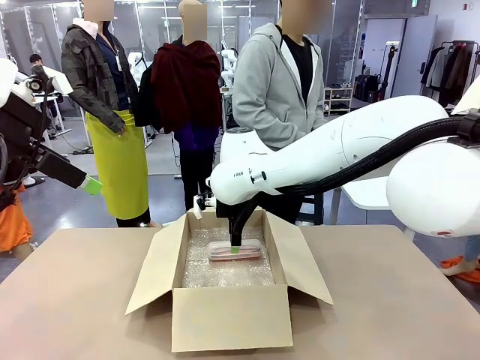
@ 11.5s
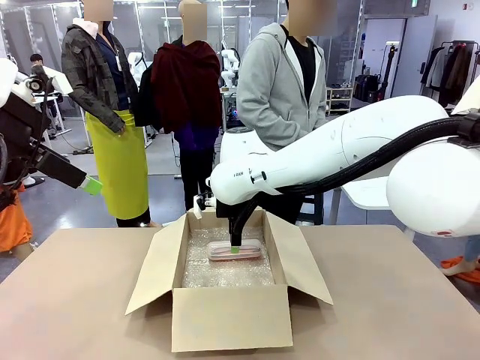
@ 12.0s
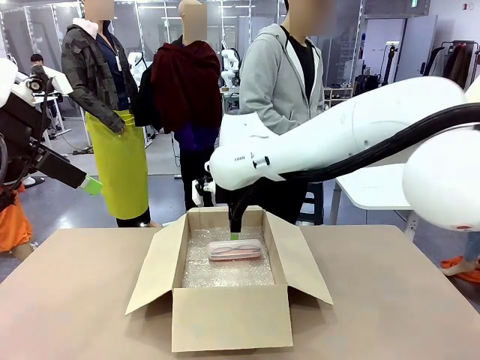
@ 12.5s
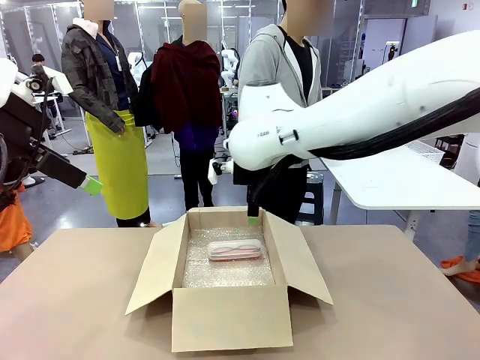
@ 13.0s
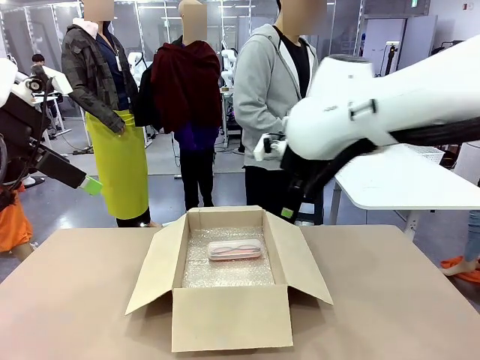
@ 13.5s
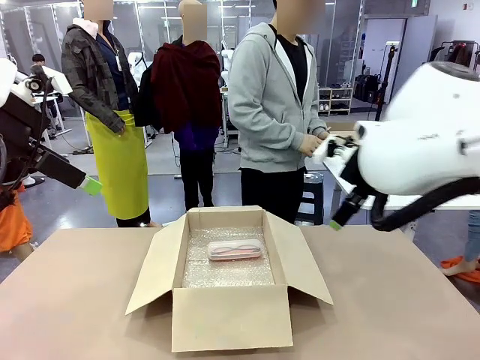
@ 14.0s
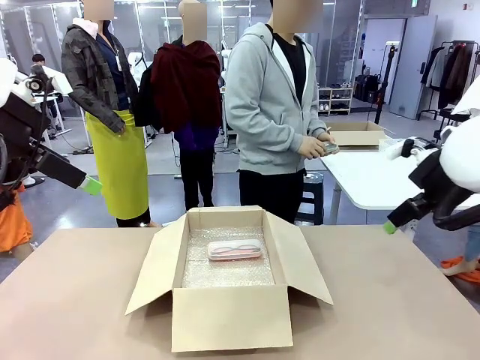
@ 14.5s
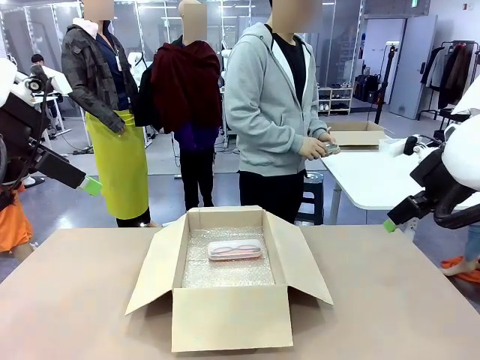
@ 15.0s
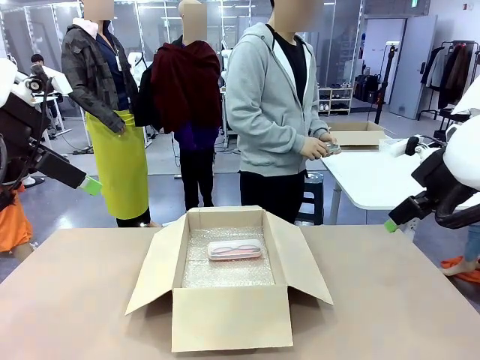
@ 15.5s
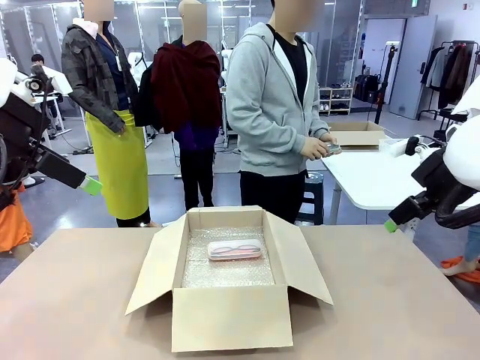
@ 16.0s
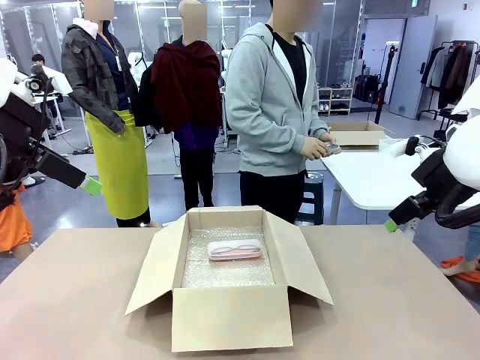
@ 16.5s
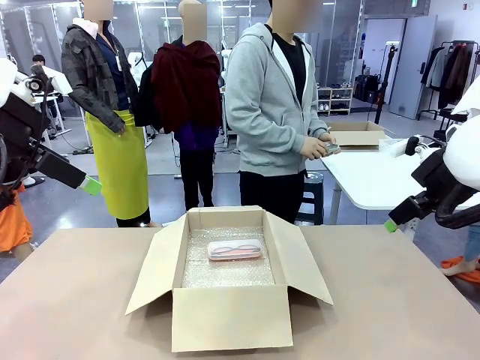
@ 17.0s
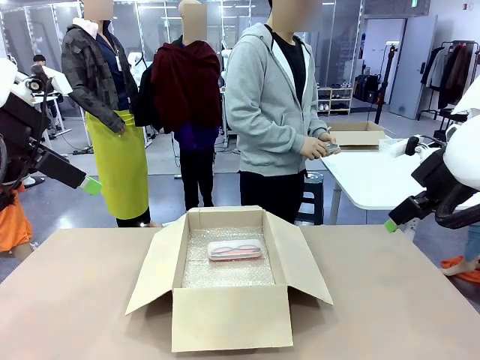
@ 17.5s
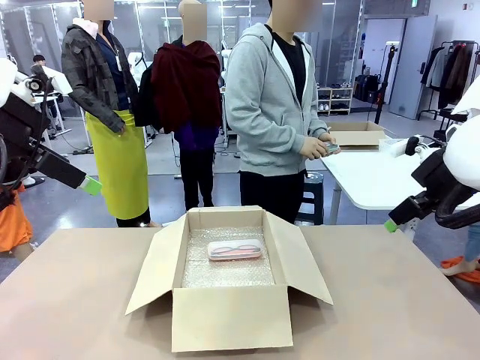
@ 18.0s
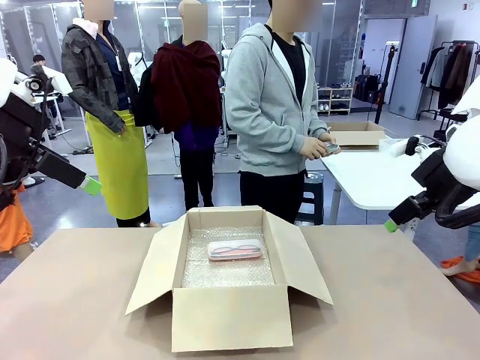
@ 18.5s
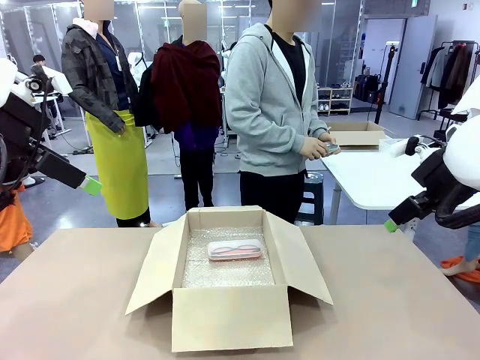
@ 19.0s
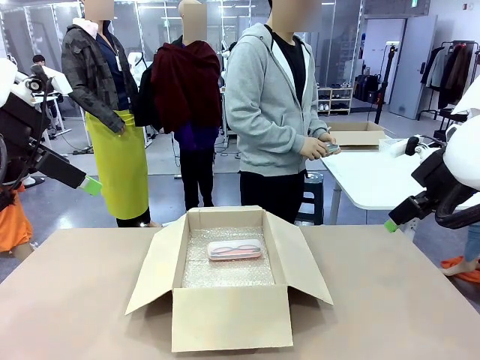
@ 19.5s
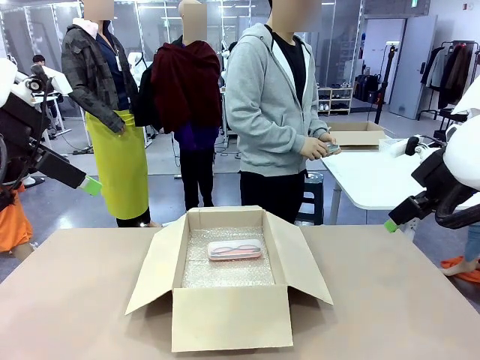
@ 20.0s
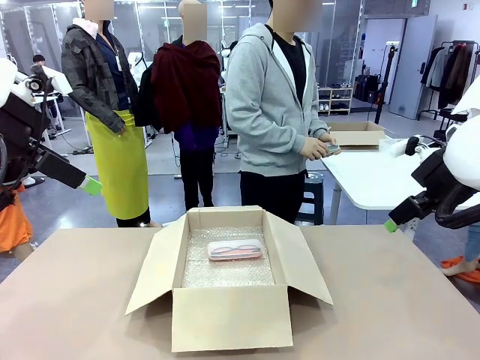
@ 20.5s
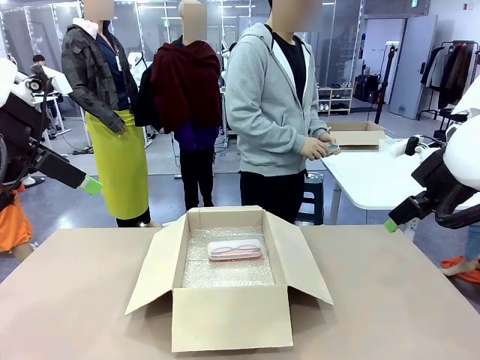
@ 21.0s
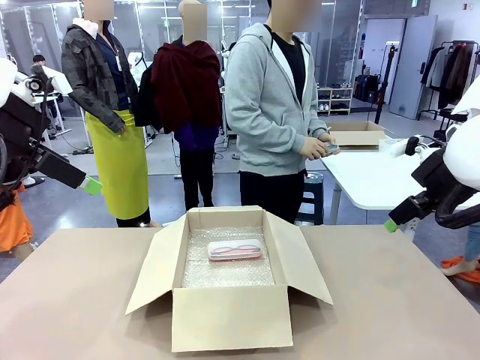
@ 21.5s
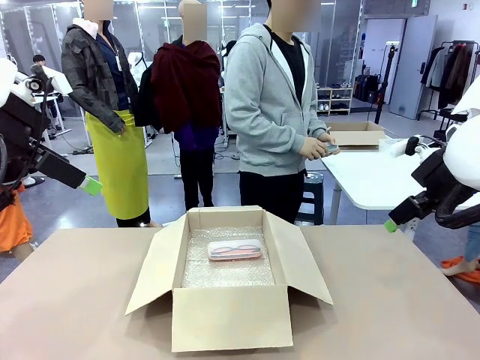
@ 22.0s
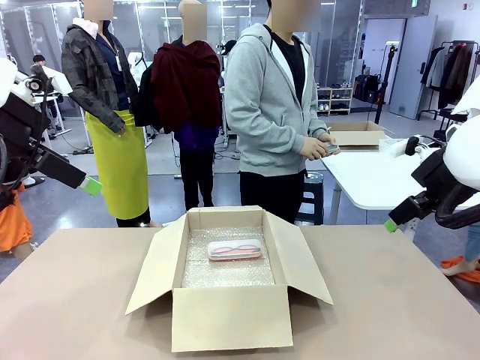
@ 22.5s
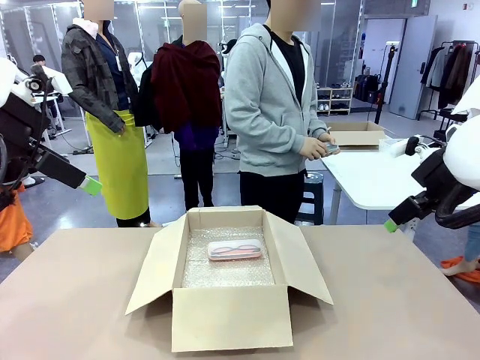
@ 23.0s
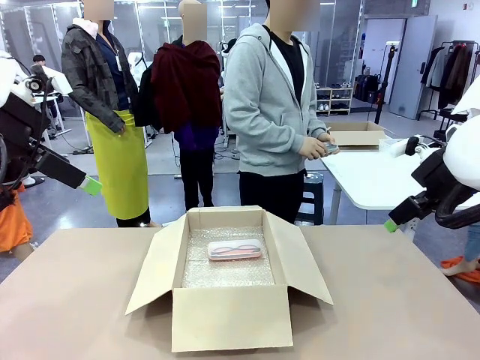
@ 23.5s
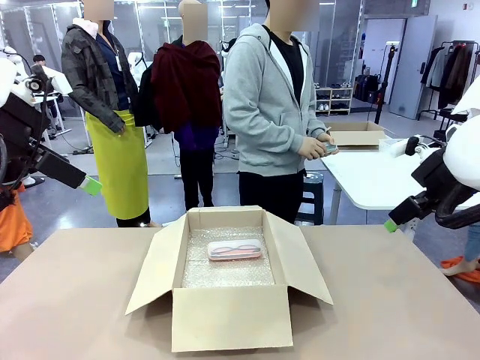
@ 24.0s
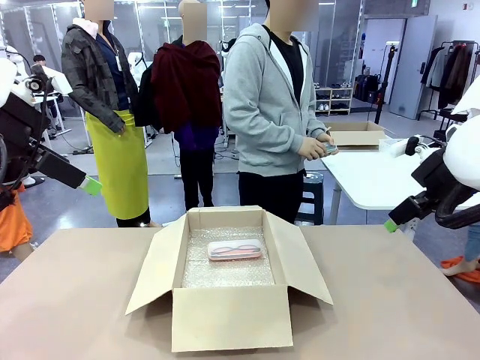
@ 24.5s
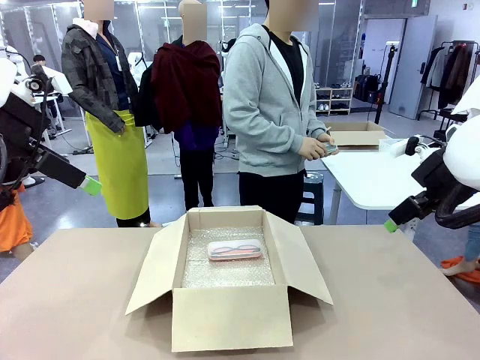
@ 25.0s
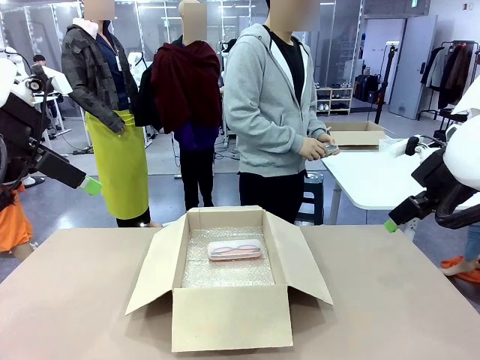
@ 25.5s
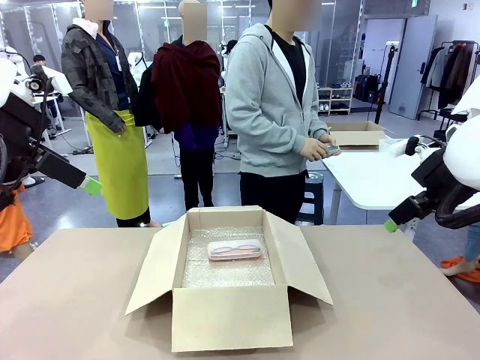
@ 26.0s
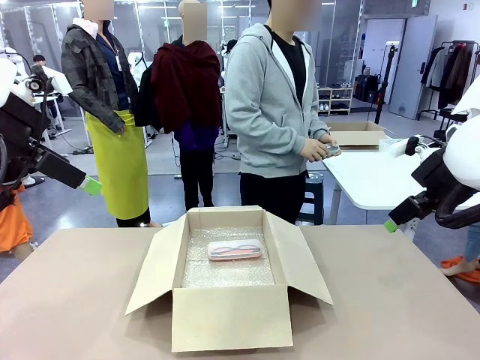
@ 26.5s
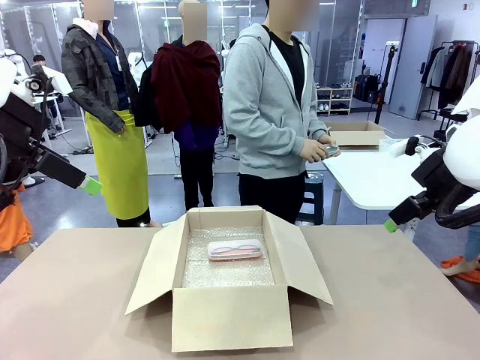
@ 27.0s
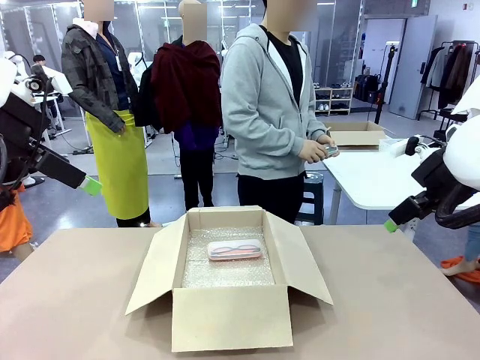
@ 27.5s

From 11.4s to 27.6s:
Task: Pack the glasses set securely to prepare it for shipping.
Robot: Put the Glasses case from the right side of the table into the Package Box.
Person: Position the Glasses case on the left side of the robot's table.
